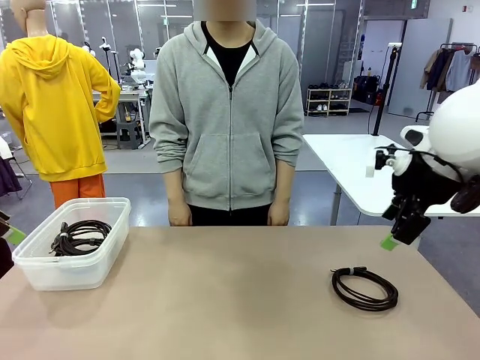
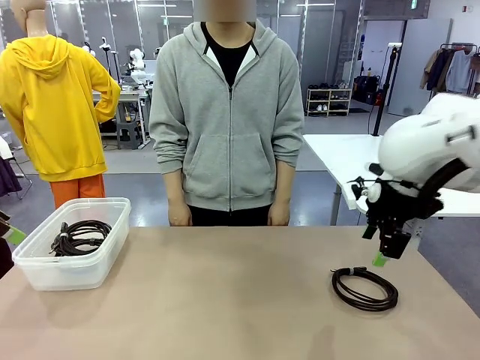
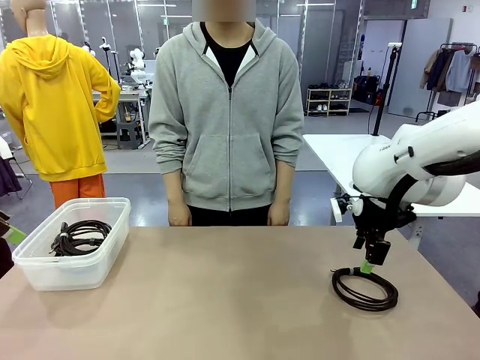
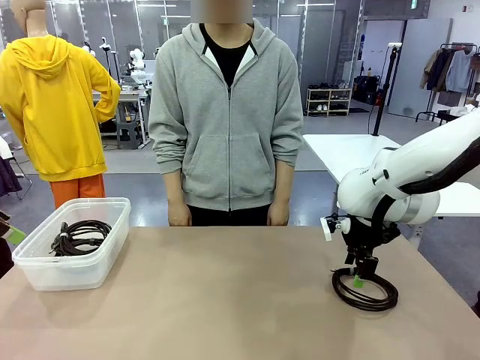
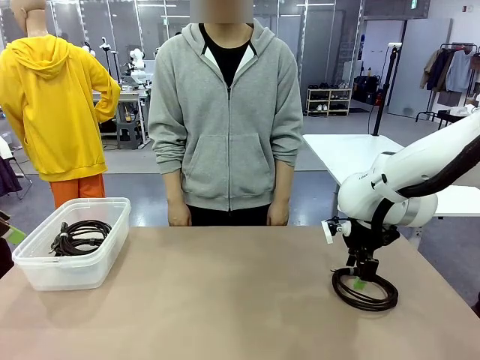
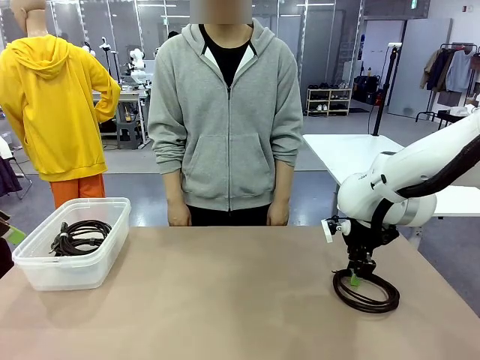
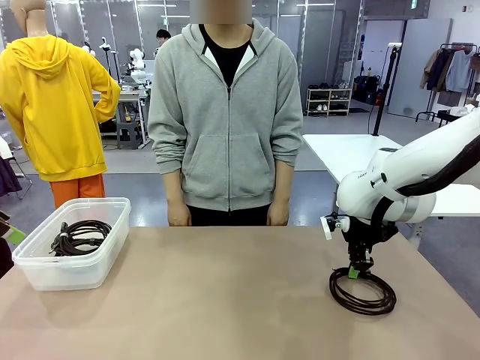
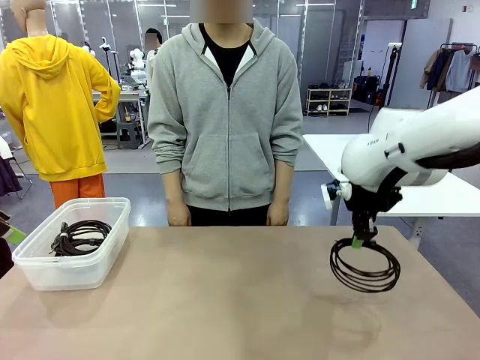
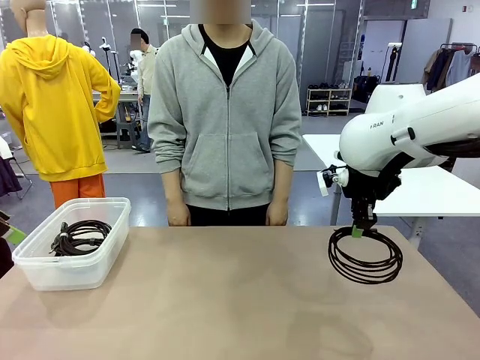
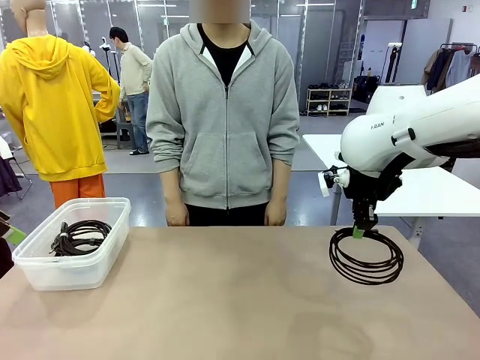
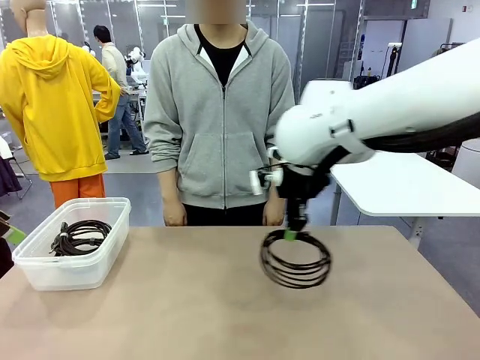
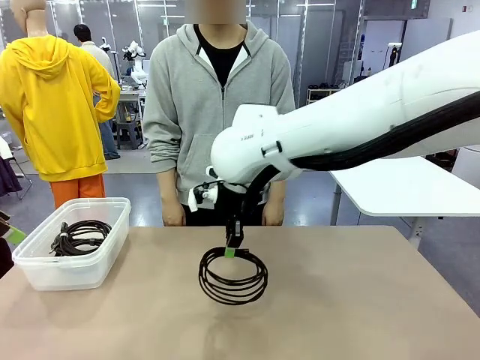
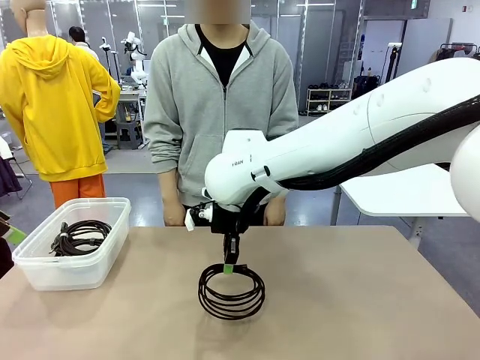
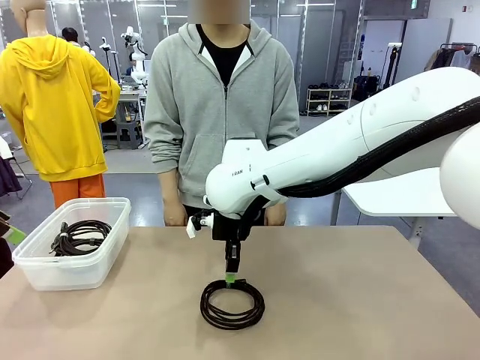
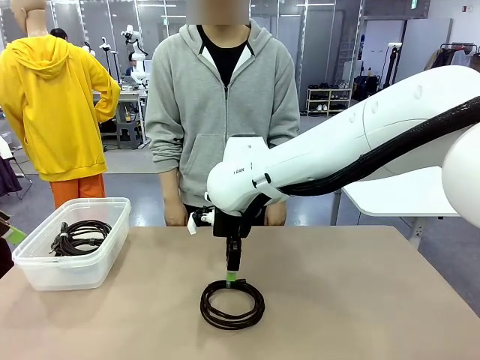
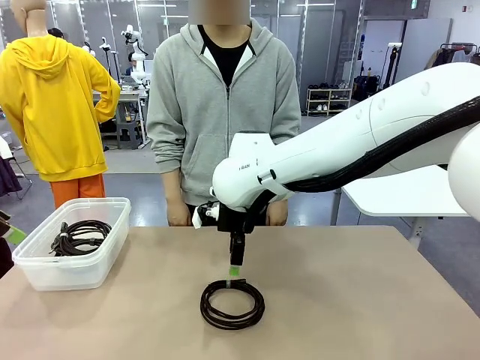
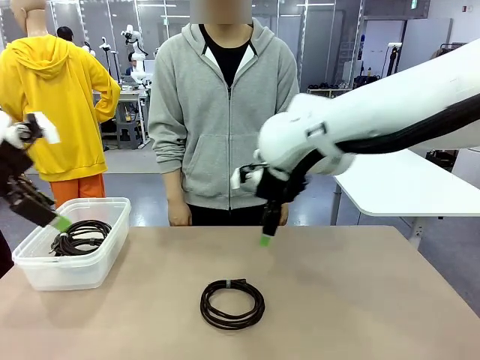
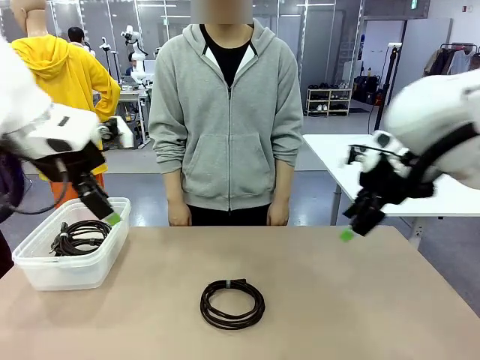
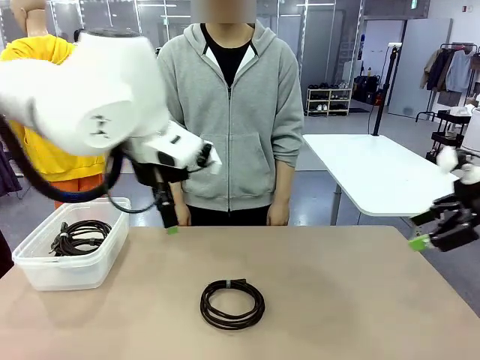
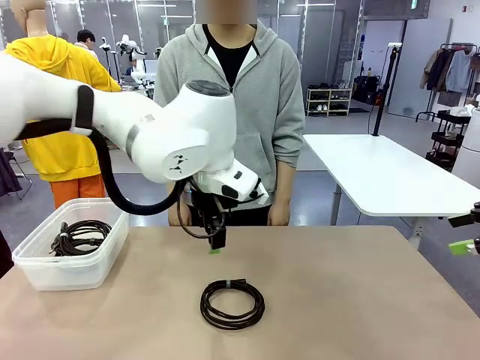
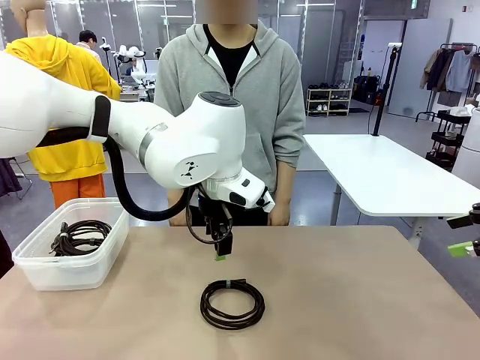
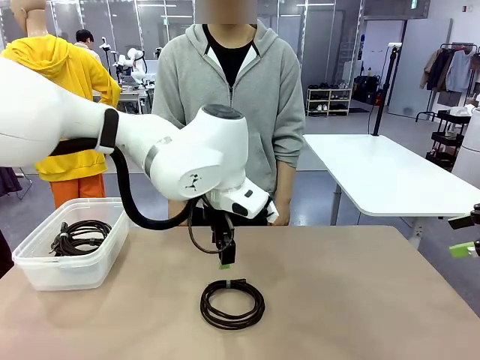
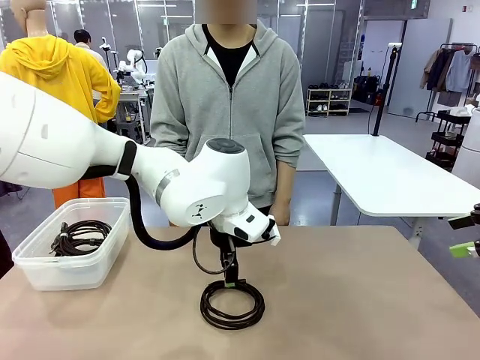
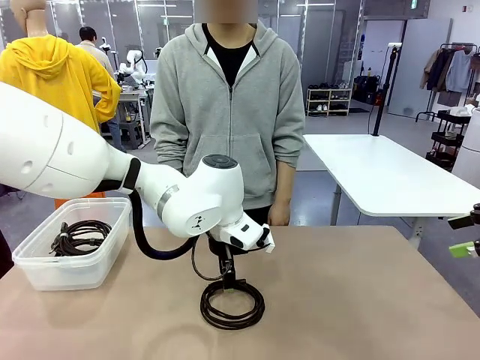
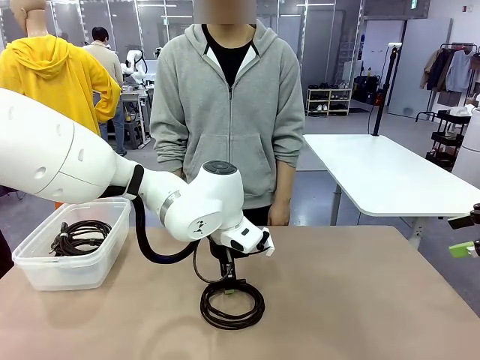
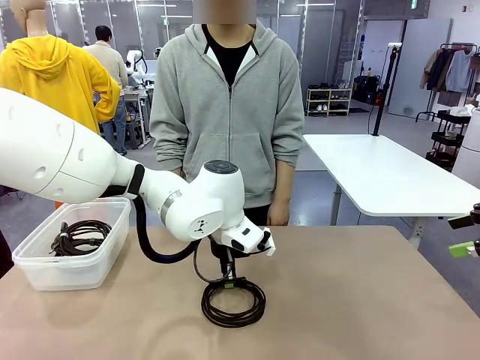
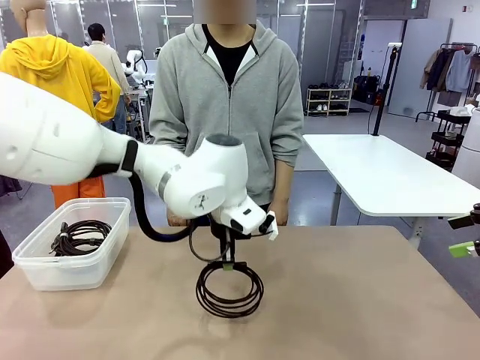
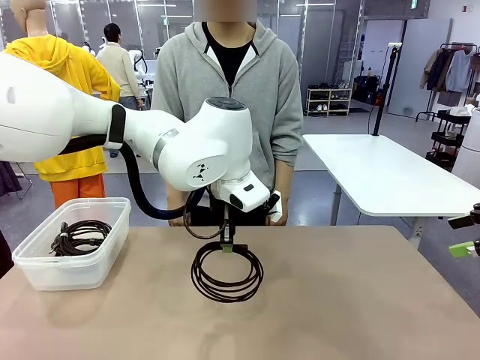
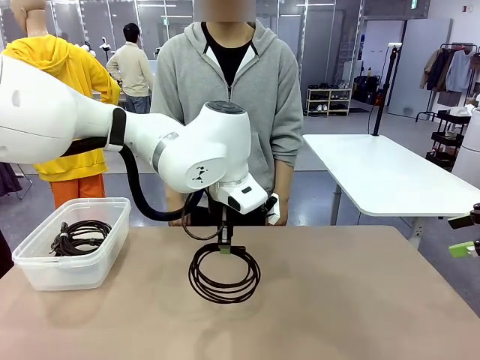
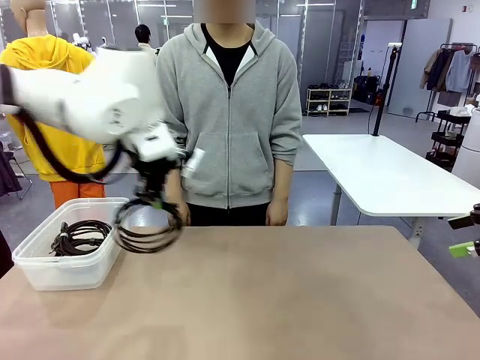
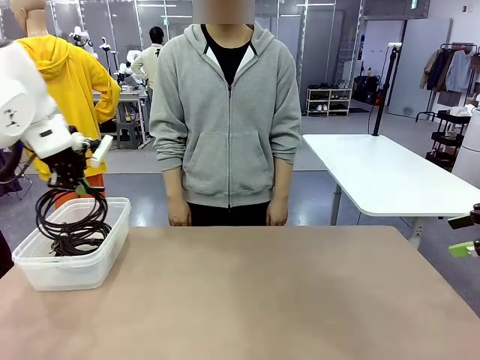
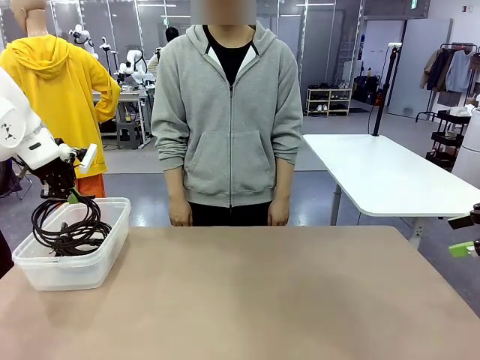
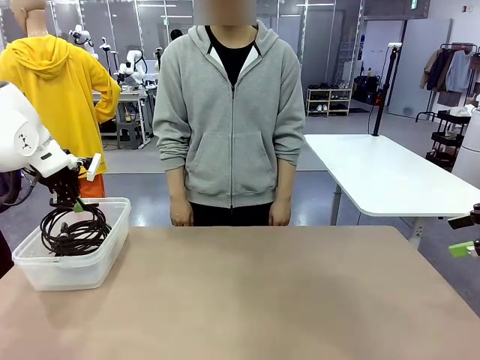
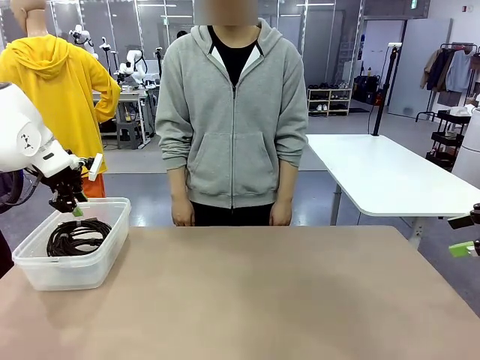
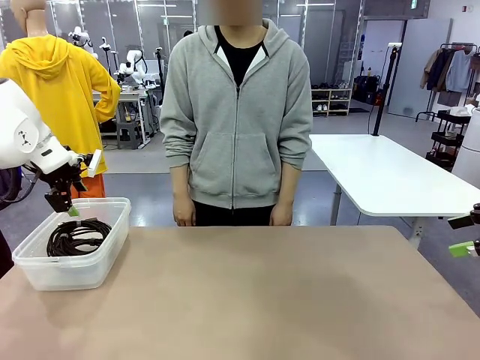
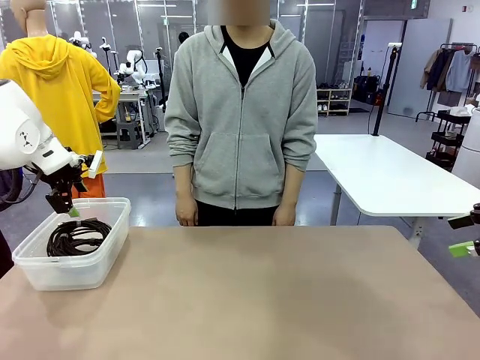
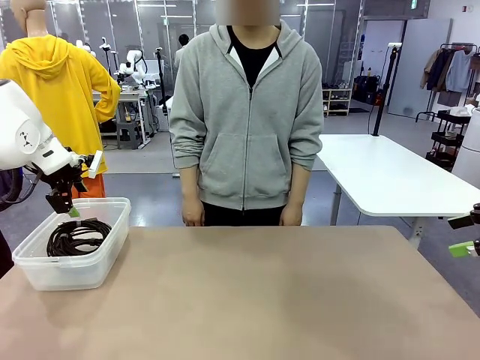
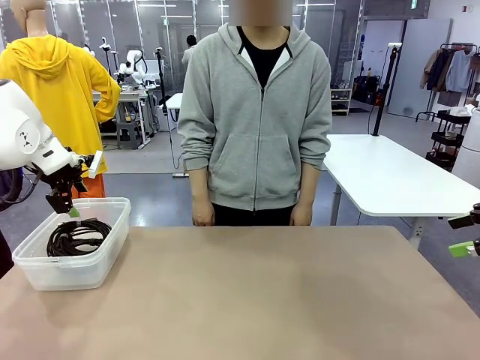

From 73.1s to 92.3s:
Task: Organize and store the cables.
Robot: Place the USB Extension Cable into the Organizing box.
